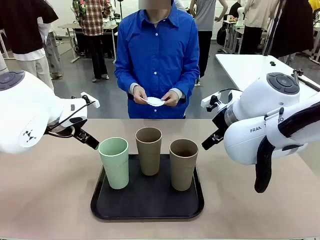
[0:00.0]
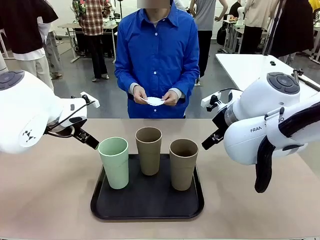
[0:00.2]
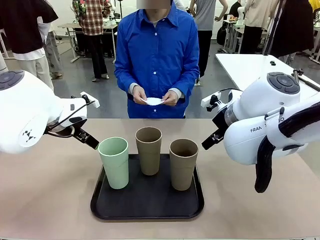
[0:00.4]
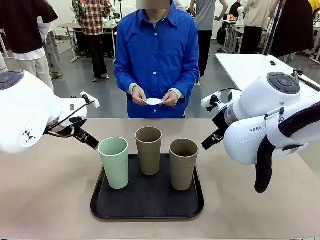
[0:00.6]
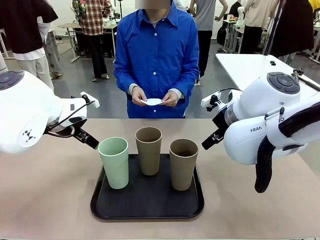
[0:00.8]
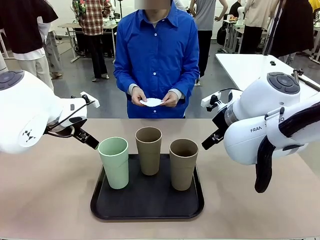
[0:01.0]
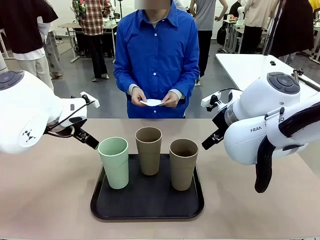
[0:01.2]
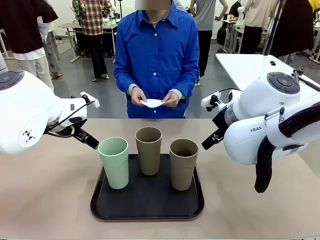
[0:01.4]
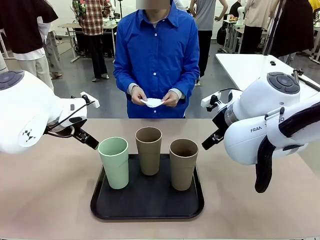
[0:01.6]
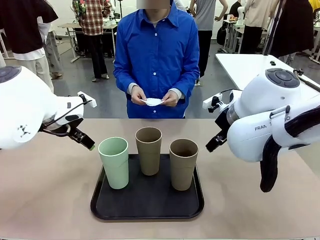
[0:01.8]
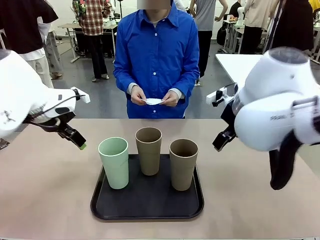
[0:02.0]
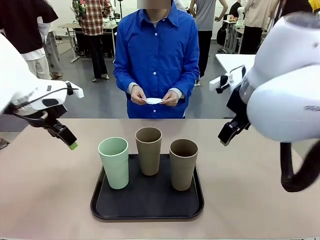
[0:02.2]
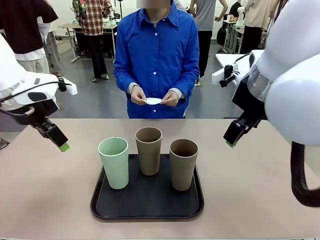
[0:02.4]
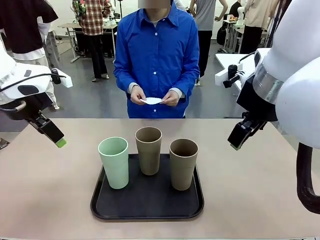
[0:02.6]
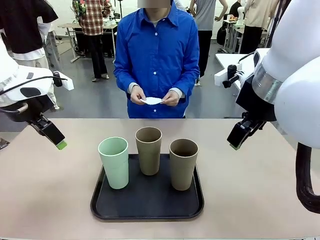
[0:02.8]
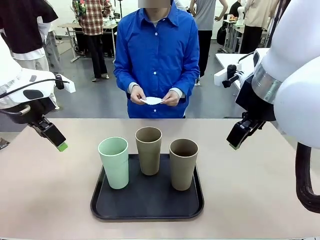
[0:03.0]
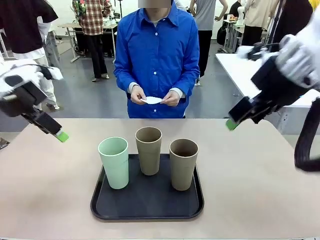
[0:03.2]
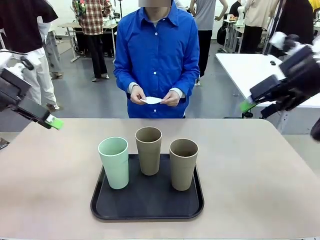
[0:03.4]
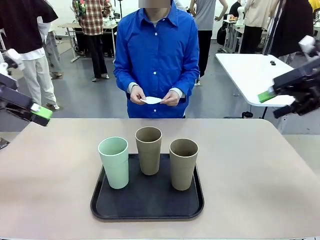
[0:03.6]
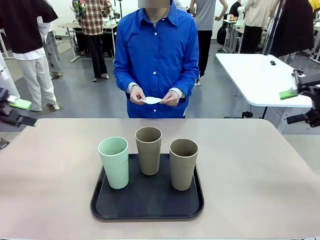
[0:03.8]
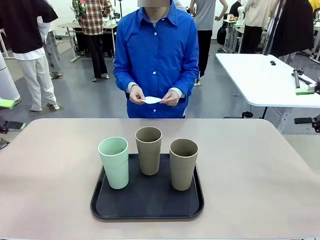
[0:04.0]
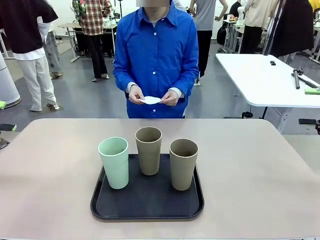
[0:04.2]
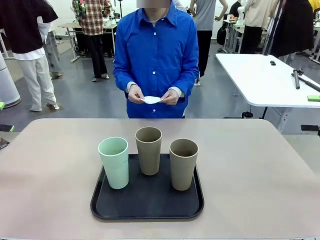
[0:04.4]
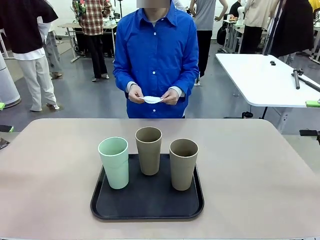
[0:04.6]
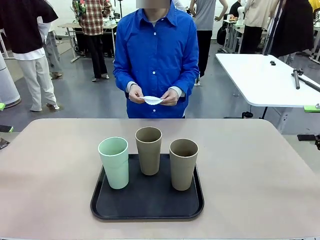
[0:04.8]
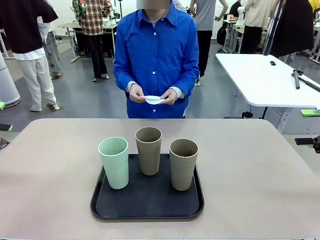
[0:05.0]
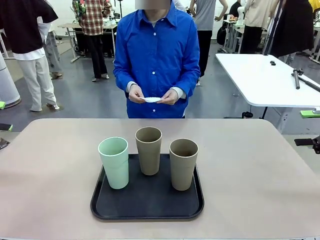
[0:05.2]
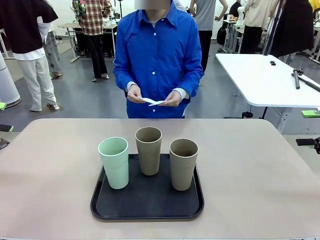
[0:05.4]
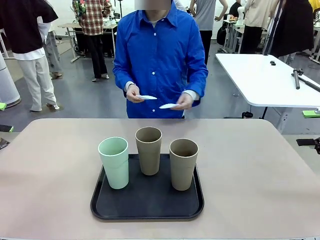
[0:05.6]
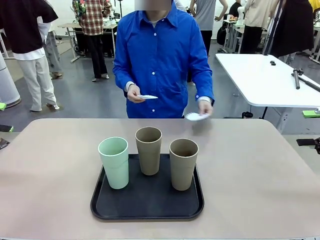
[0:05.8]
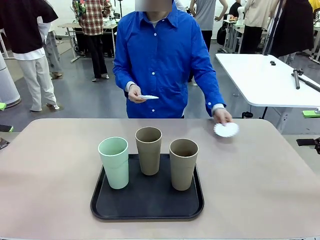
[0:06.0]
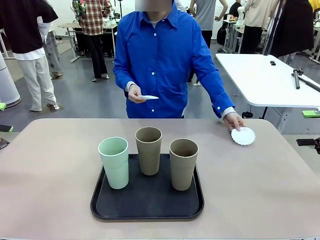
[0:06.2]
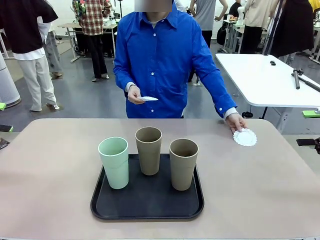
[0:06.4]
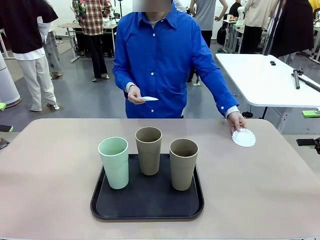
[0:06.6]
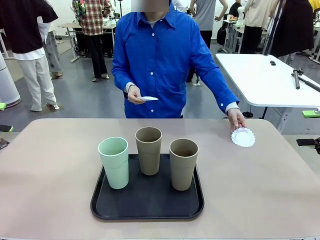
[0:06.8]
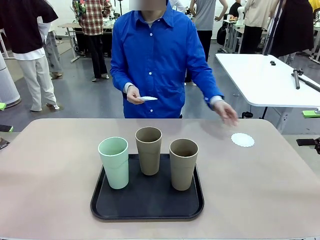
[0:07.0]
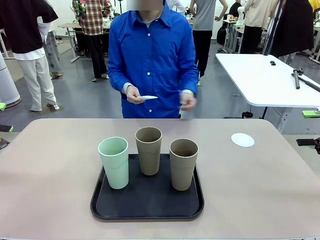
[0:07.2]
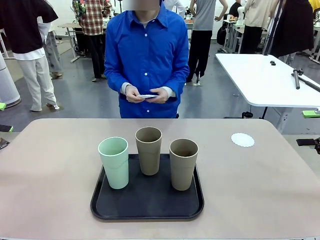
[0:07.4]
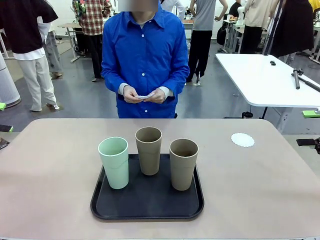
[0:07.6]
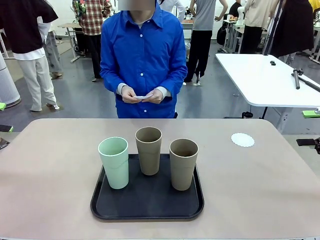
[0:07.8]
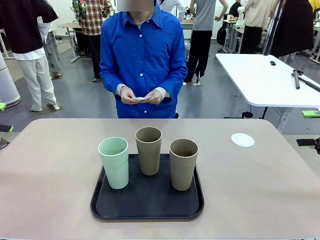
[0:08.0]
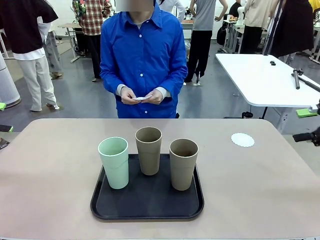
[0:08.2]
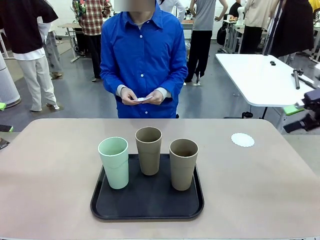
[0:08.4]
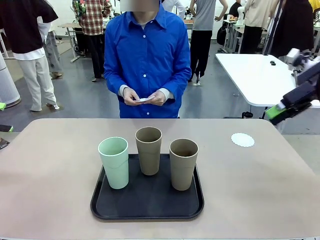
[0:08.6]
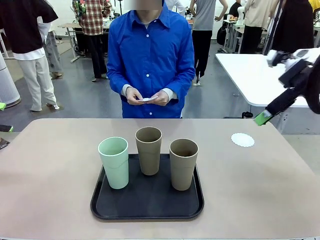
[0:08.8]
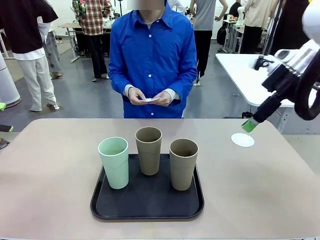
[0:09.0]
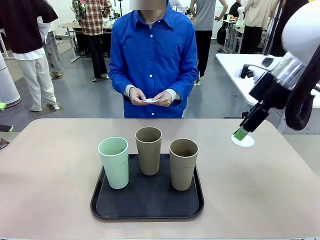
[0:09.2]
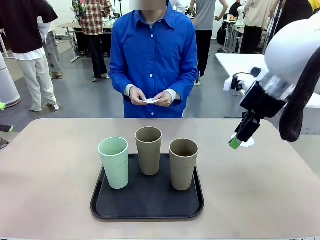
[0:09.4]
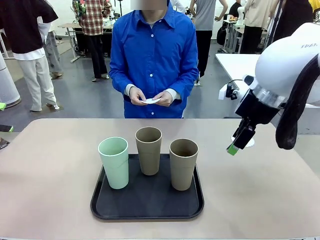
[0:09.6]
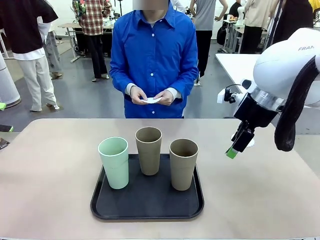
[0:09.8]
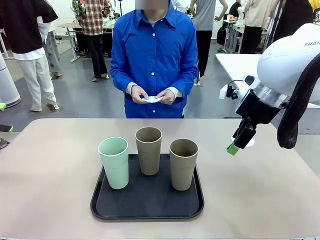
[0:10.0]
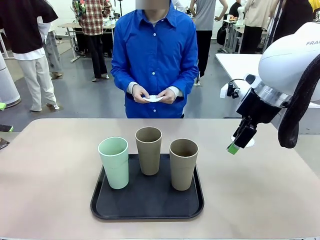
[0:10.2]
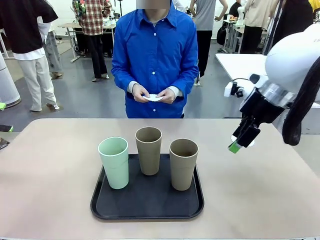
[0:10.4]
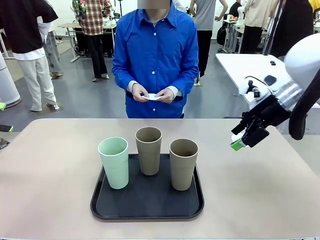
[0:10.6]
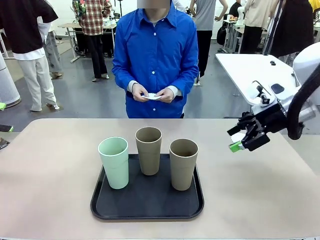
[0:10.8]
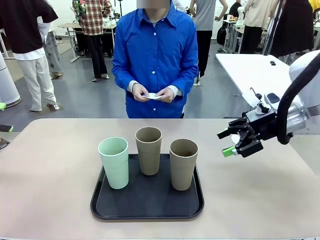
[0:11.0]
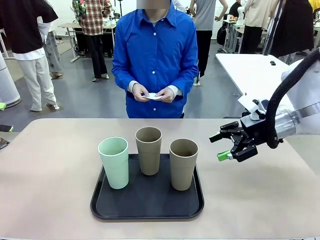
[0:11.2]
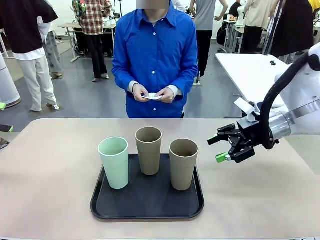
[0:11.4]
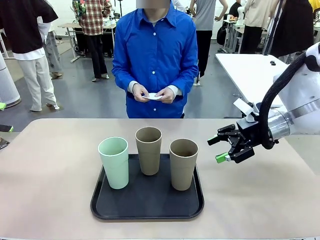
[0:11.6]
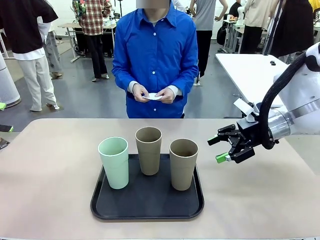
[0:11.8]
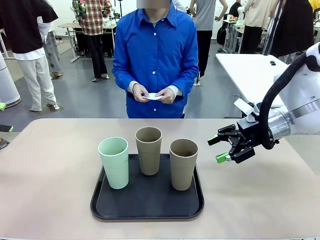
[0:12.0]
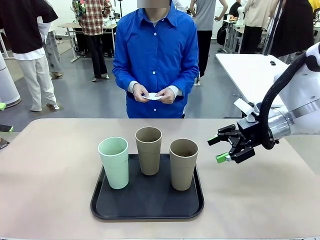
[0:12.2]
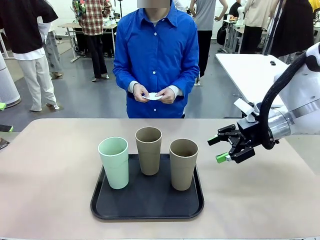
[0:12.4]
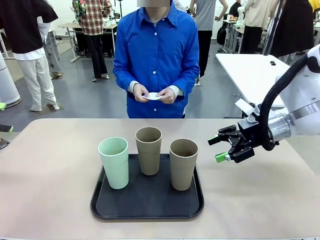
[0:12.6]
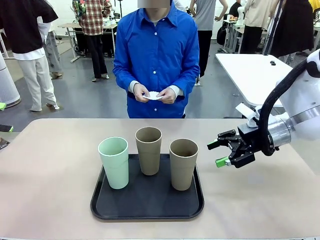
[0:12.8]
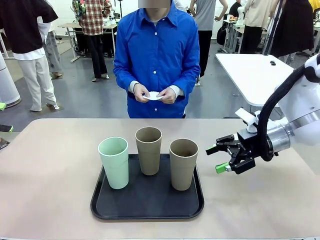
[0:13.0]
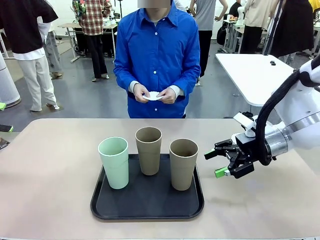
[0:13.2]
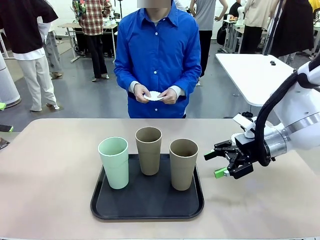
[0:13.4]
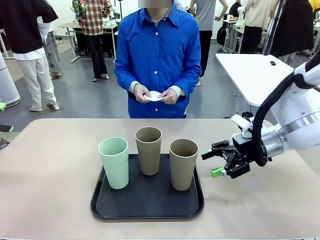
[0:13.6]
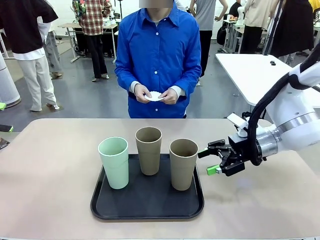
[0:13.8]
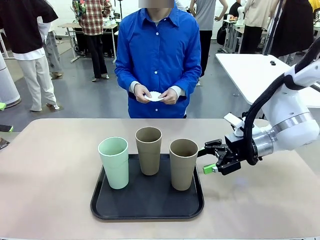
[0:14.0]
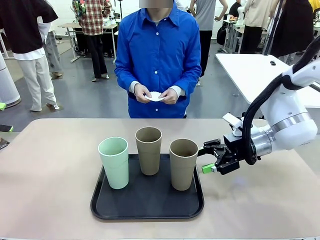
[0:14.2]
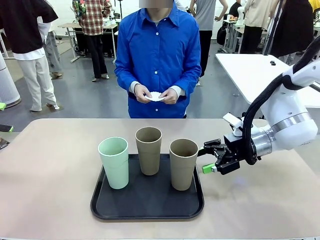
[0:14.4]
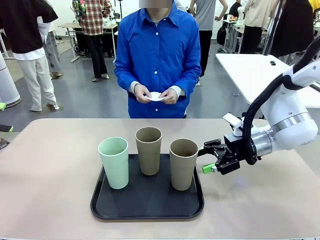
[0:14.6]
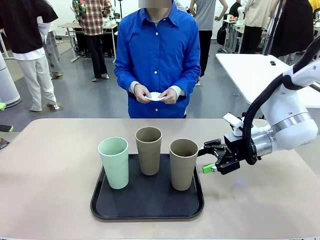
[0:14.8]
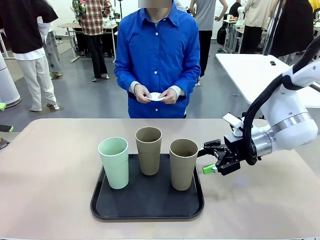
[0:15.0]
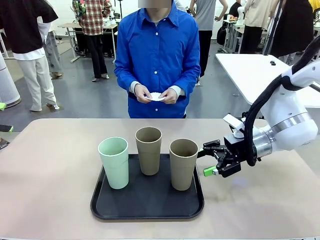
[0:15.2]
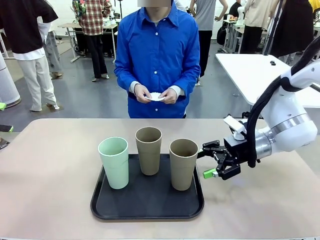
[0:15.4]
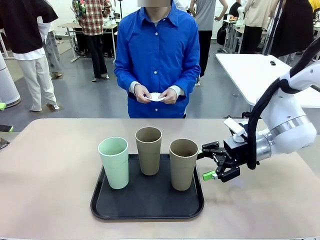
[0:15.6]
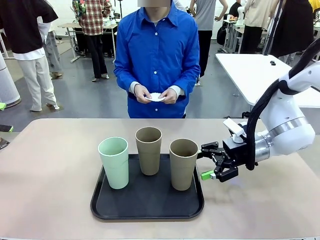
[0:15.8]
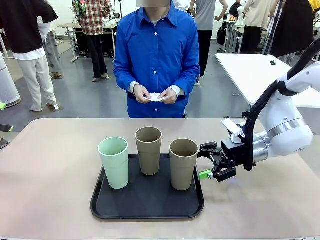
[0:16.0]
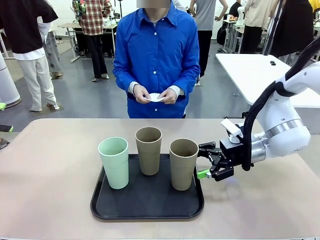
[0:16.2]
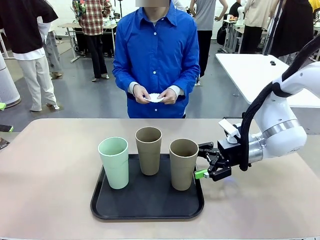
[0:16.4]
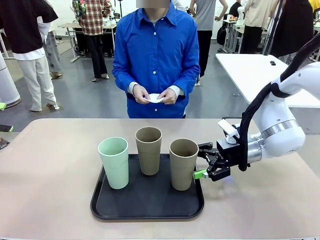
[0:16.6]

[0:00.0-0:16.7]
Task: Place coasters on the table and set cups on them.
Robot: Pick up one Reusable plastic cup and place it on a coaster set by the human.
Person: Place one coaster in any one of the three lower areas of the robot table (left, center, or right).
